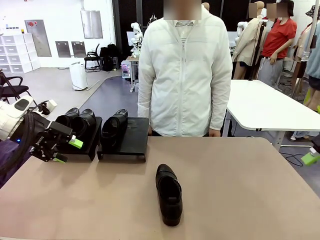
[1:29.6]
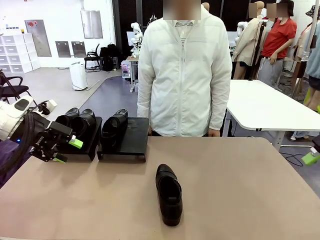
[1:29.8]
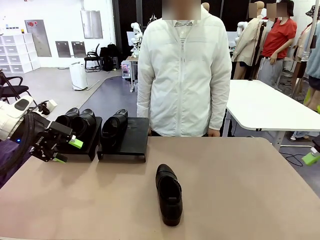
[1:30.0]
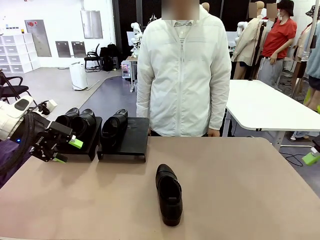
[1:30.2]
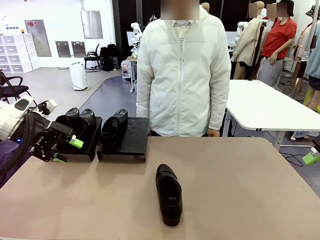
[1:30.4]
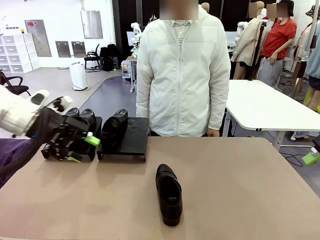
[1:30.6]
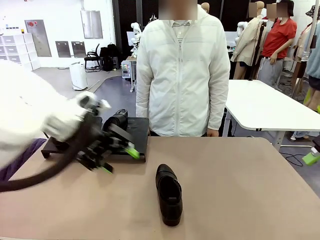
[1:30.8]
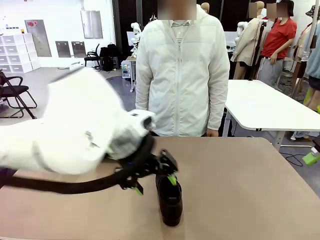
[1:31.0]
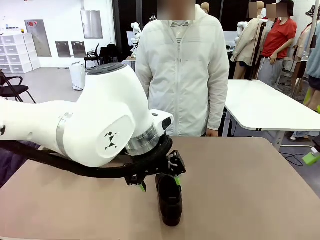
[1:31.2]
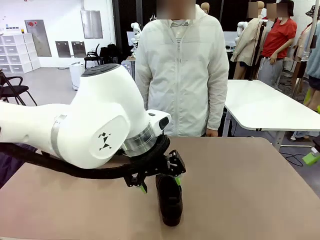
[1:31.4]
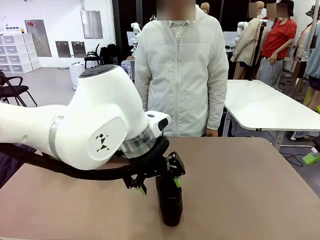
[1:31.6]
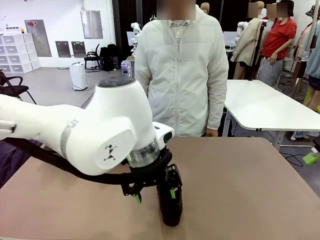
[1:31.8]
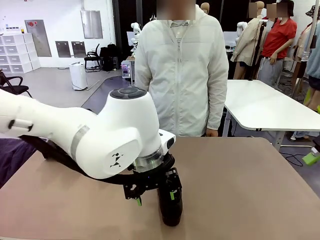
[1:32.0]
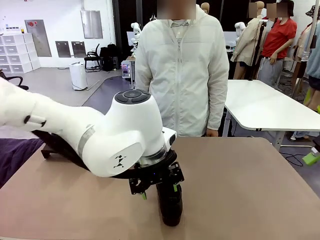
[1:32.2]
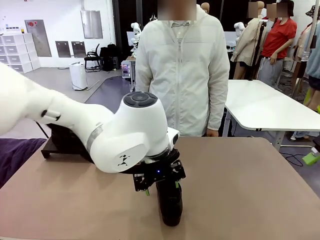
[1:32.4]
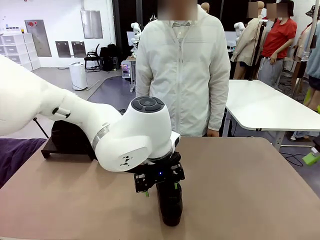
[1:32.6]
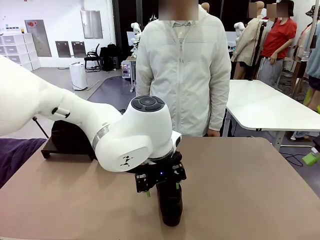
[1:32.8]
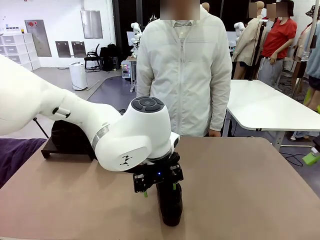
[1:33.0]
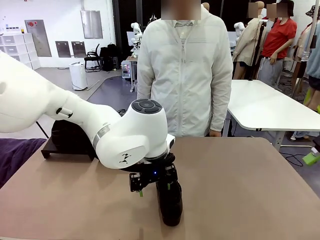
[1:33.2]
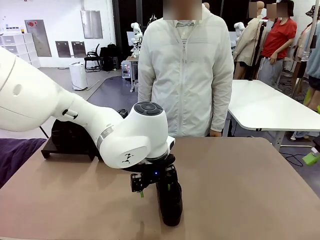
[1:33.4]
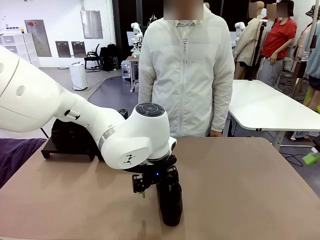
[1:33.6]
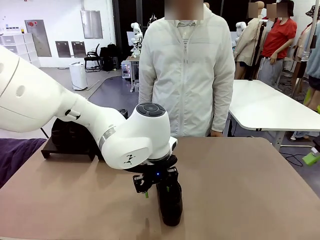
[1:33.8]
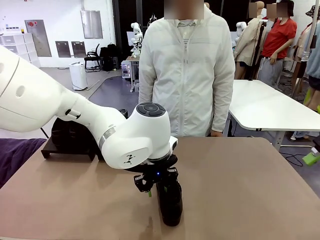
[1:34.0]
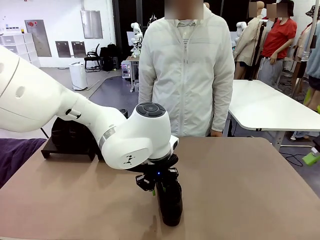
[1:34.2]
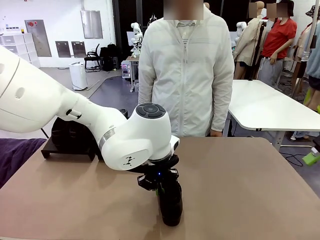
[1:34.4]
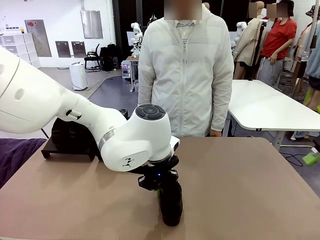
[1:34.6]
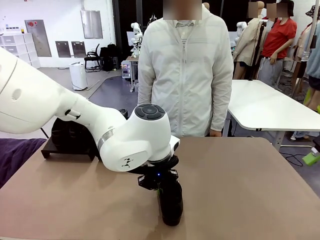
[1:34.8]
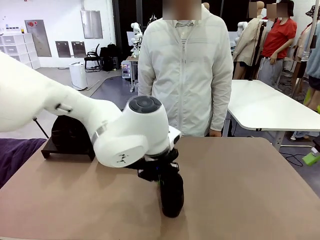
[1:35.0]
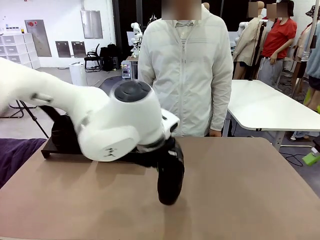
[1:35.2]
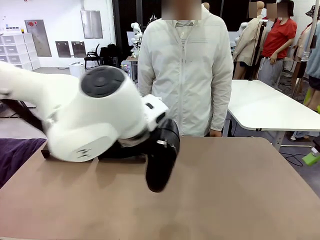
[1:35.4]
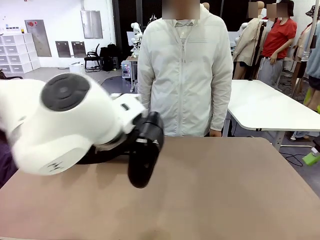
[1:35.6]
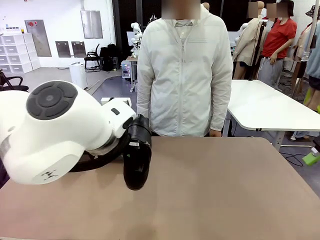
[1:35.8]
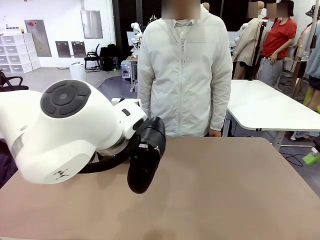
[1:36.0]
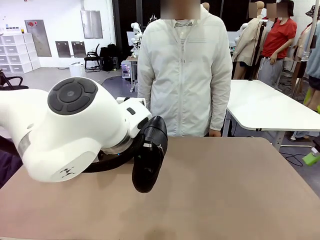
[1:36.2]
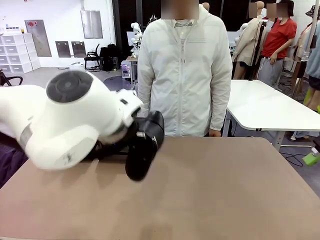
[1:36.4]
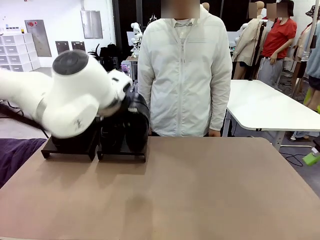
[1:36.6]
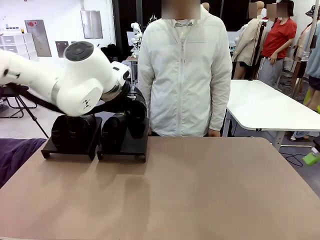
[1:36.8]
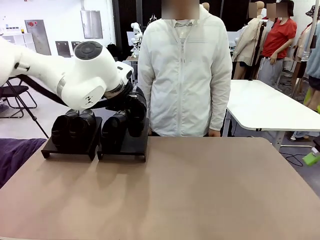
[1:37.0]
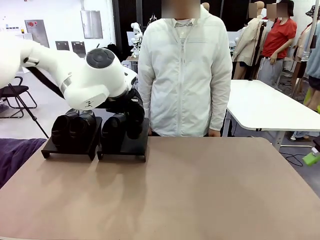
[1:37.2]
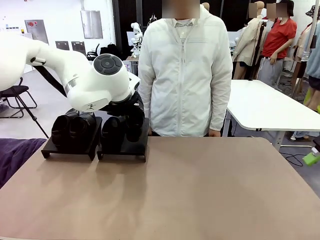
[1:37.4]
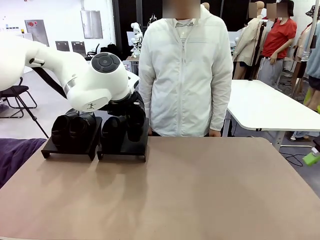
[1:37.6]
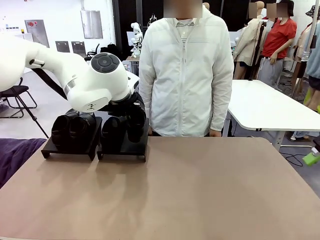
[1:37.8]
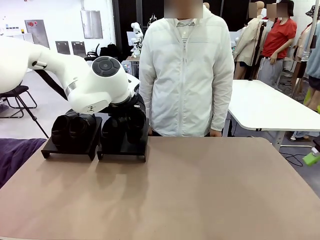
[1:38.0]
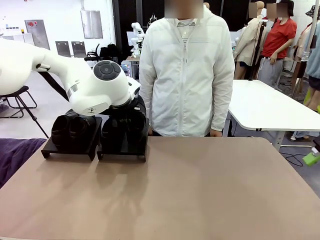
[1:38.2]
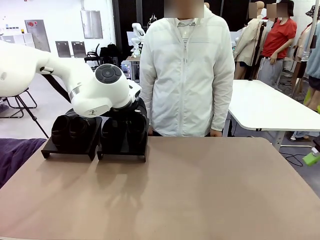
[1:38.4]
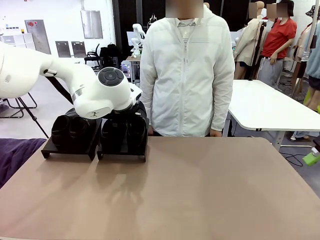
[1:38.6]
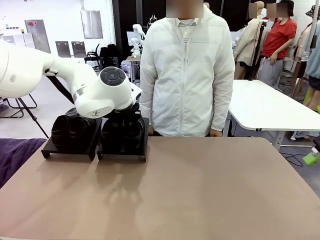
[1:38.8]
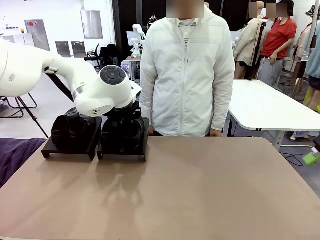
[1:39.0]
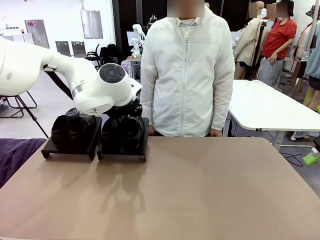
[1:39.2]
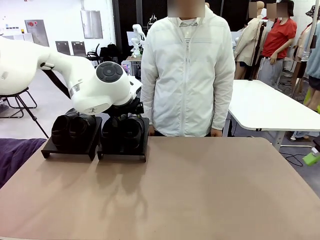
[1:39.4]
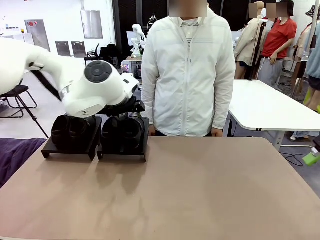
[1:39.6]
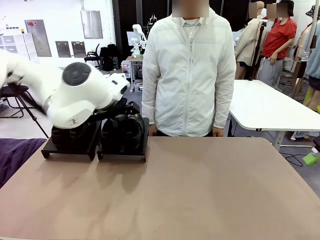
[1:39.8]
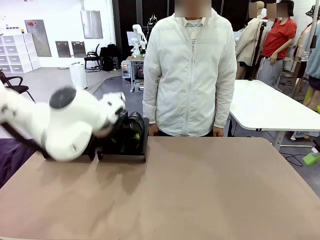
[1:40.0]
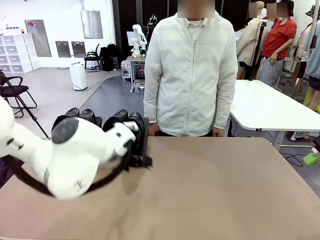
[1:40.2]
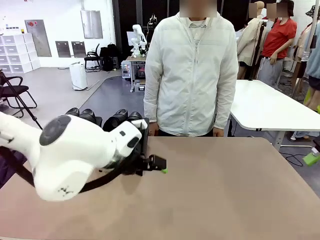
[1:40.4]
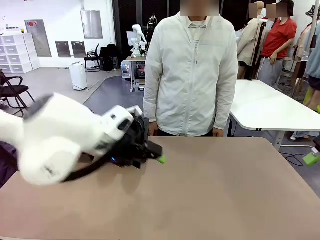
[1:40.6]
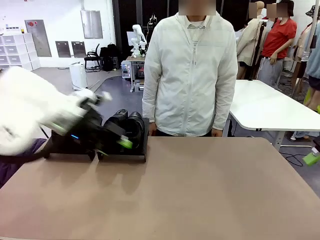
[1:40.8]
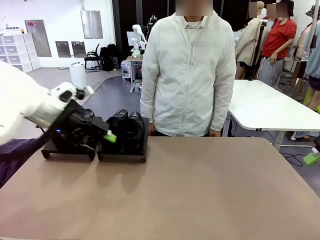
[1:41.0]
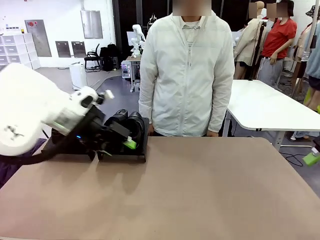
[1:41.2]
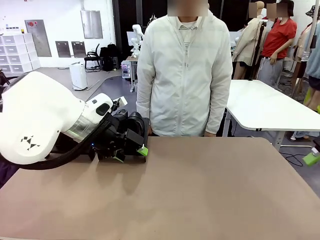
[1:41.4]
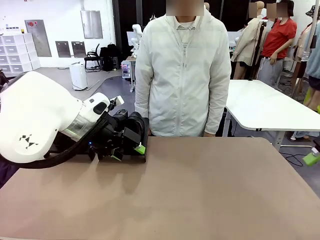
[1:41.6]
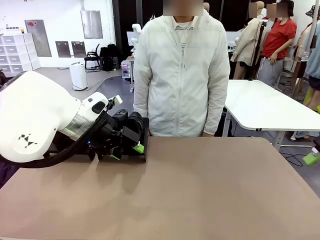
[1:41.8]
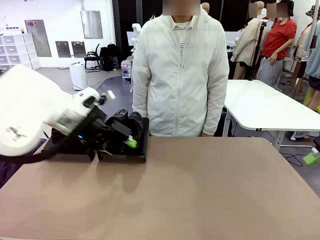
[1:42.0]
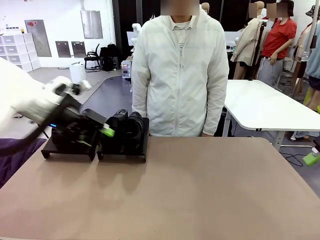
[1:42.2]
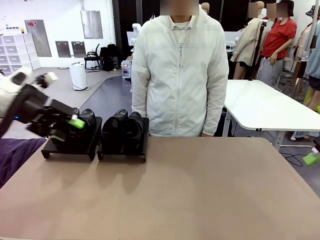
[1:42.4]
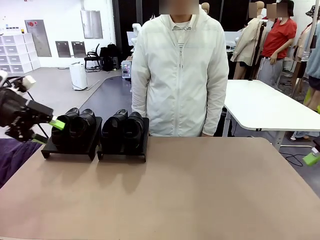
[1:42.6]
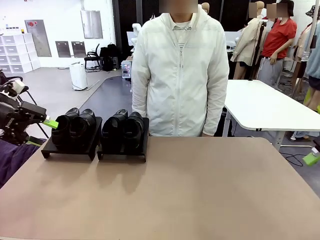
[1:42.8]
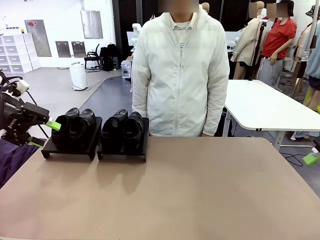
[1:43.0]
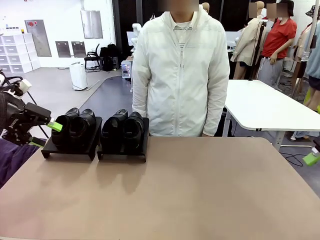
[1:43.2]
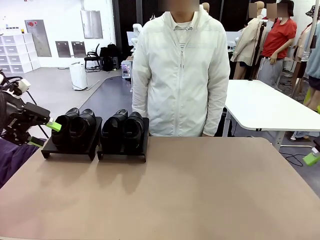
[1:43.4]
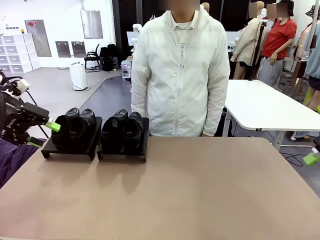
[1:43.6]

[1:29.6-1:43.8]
Task: Organize the shoes by placing them on the stand.
Robot: Place the Shoe from the middle of the table onto the Shoes Stand.
